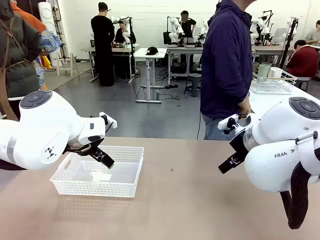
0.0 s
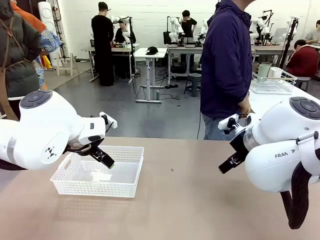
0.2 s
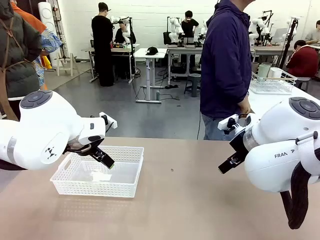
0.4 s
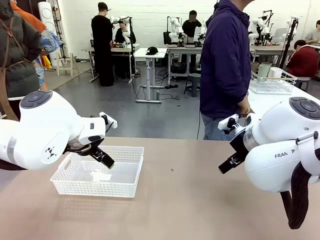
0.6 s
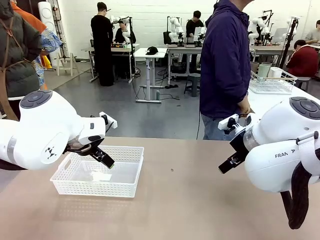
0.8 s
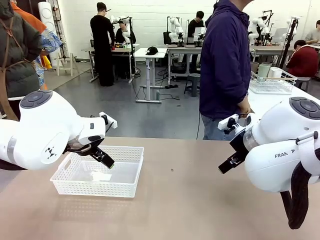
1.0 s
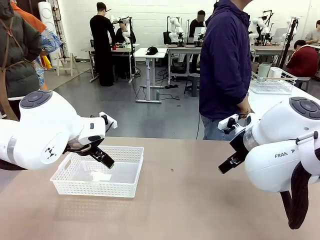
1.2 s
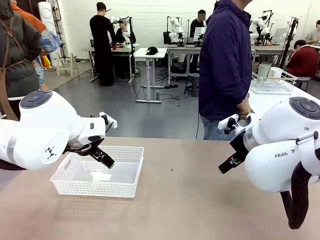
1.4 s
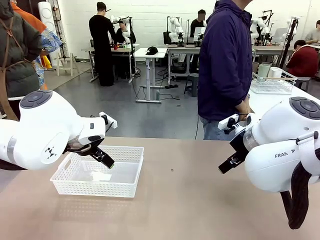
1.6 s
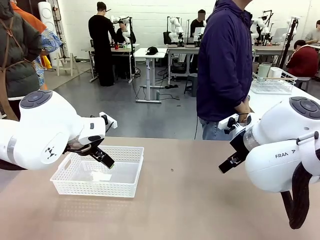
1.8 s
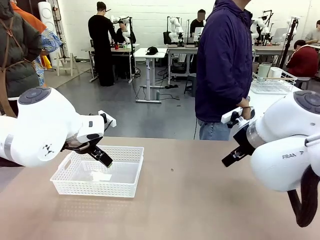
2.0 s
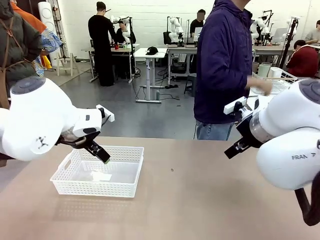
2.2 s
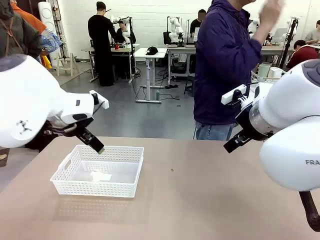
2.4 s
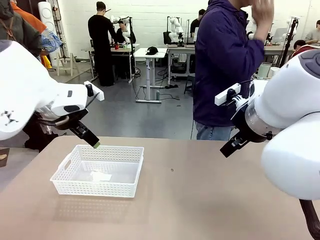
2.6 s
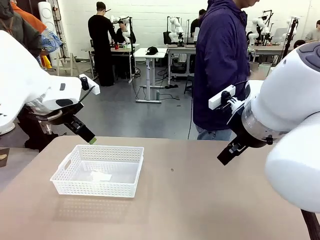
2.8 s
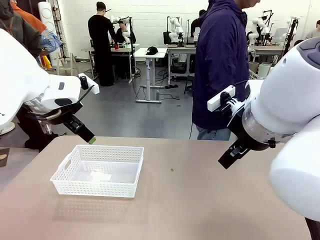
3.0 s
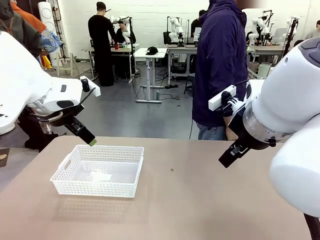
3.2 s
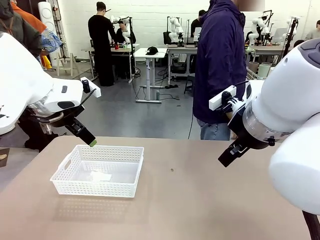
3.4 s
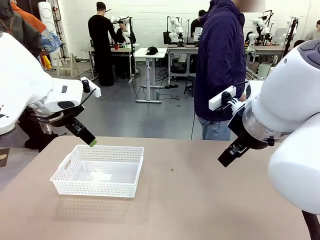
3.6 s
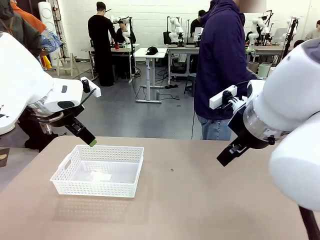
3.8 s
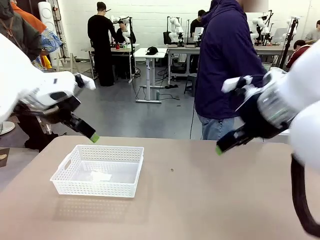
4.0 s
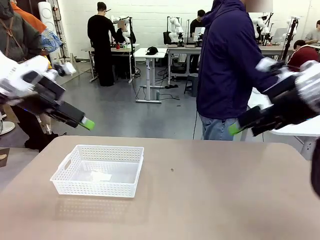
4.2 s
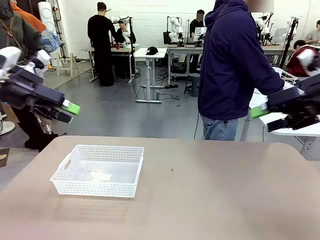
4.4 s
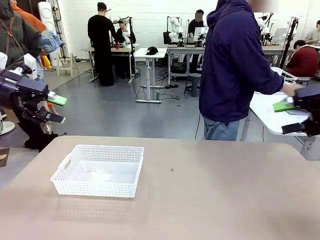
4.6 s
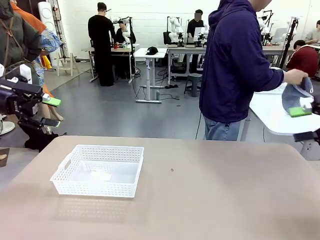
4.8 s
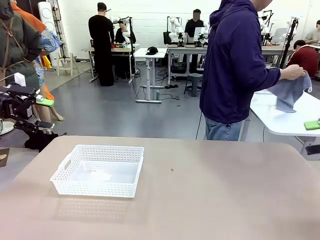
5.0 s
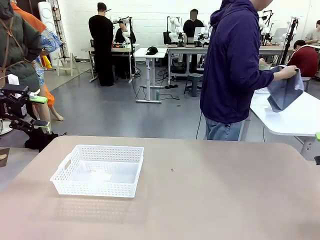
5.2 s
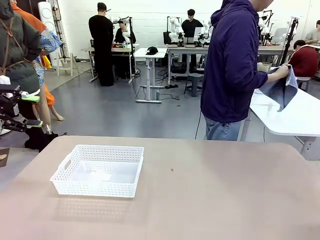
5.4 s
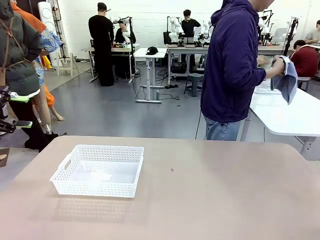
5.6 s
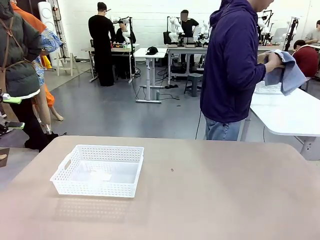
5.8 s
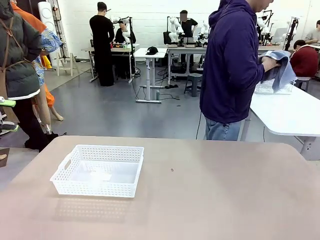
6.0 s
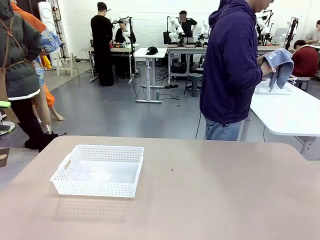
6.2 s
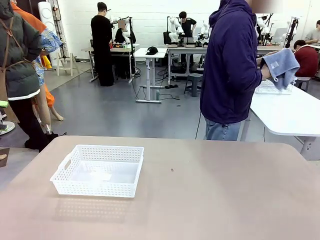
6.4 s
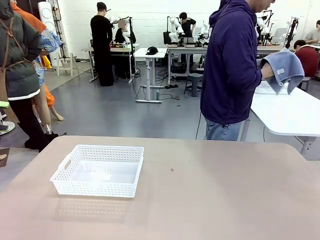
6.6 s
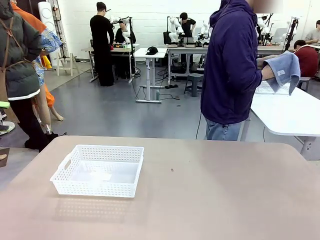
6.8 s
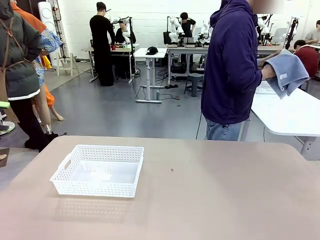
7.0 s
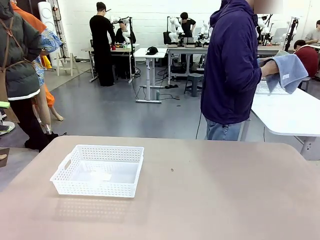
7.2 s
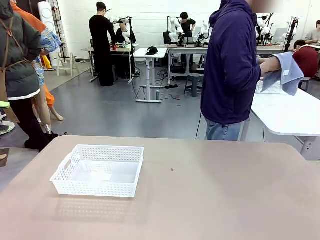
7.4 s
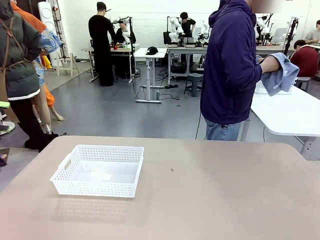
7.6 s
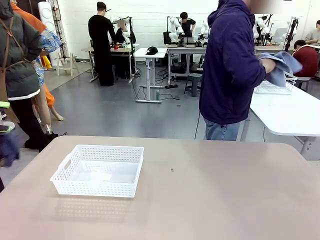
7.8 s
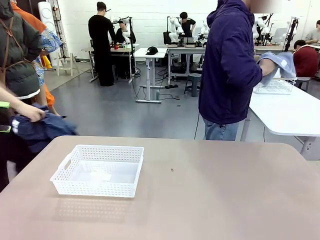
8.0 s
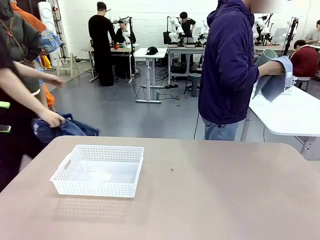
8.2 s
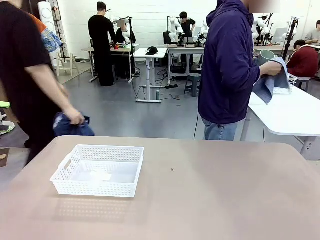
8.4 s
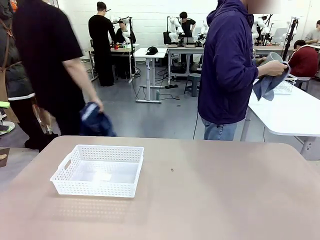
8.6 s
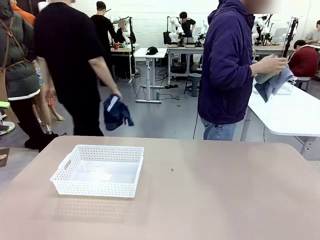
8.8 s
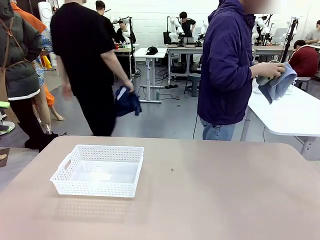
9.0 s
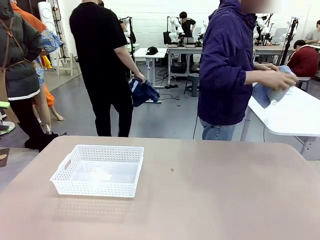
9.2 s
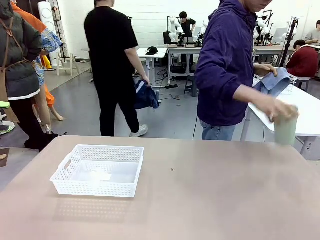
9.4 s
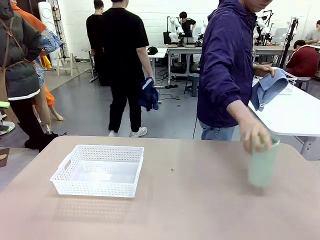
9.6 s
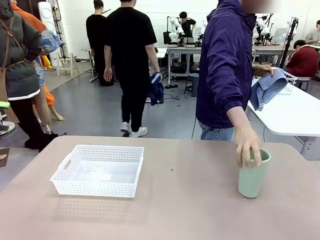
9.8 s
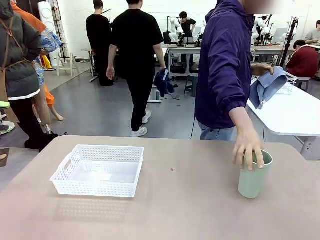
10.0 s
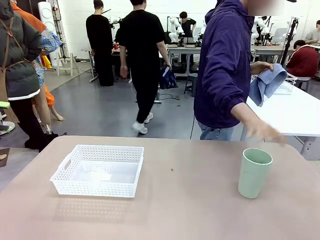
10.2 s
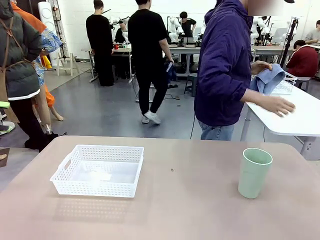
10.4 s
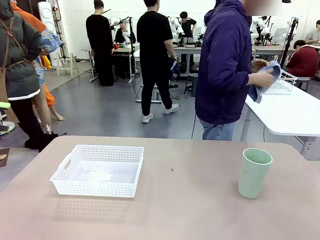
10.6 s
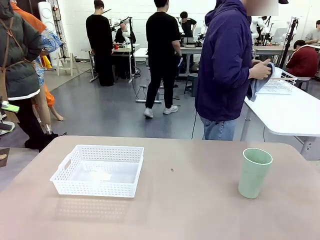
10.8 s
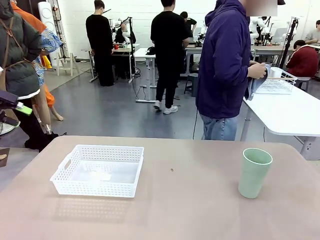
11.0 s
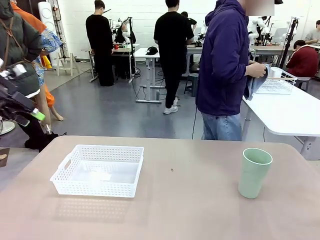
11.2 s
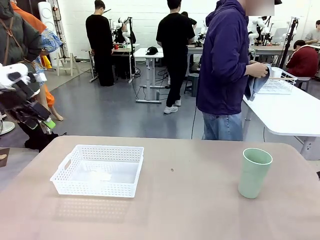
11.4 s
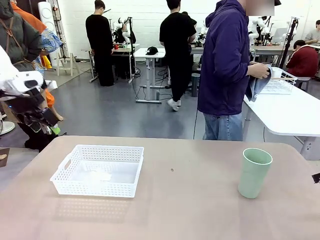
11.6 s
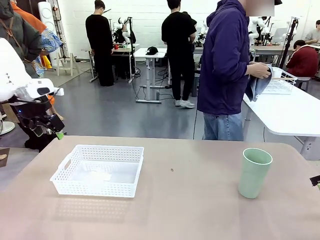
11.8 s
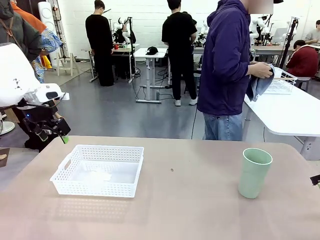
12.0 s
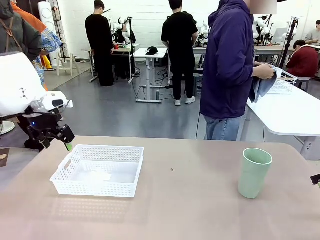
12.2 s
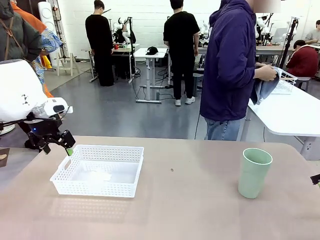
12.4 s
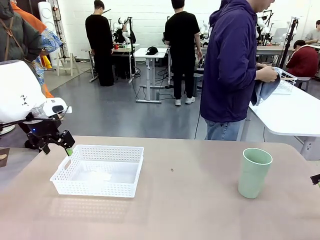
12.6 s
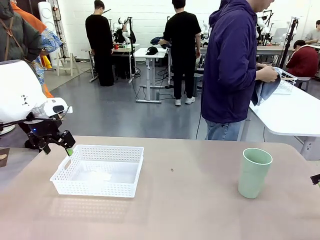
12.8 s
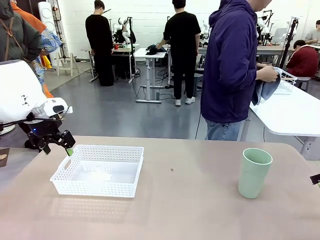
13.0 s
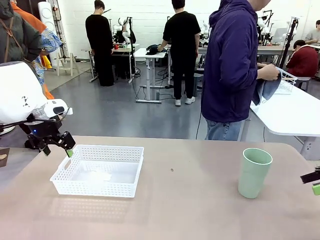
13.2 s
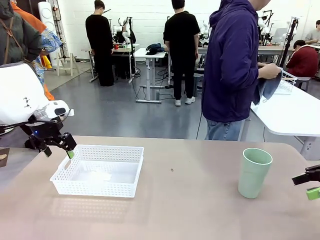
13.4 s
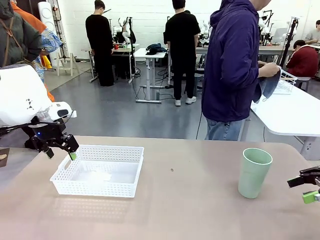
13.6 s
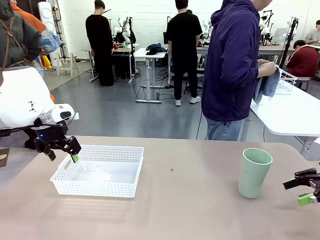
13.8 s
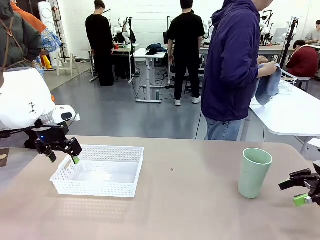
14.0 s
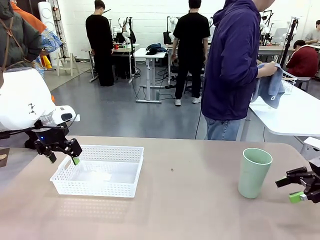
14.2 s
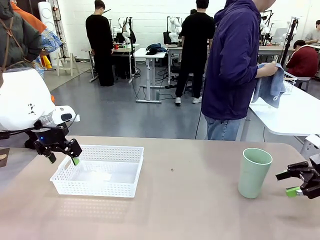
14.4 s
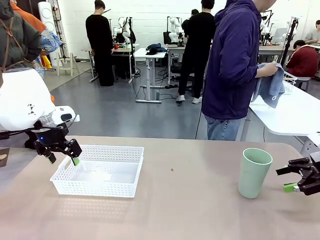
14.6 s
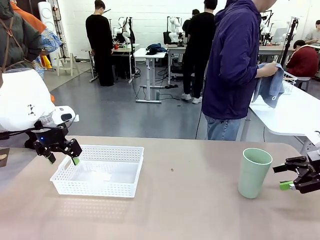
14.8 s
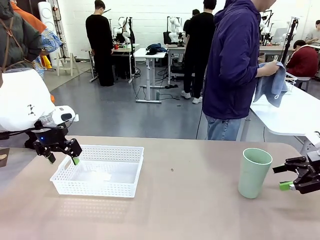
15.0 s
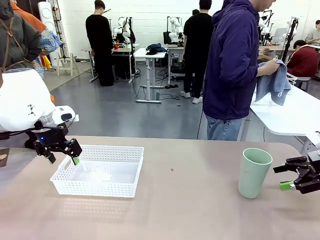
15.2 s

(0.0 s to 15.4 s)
Task: Clean and organize the cups into the basket.
Robot: Pick up the Organizing basket and move it to the center of the table, then pick up the Reusable plastic cup from the right side of the table and place it inside the Organizing basket.
Person: Picks up a cup and a towel, cleans the cup with the towel, and places it on the left side of the robot table.
